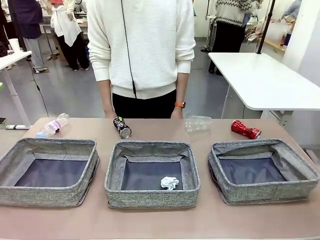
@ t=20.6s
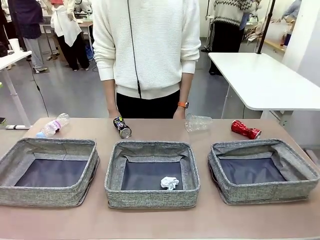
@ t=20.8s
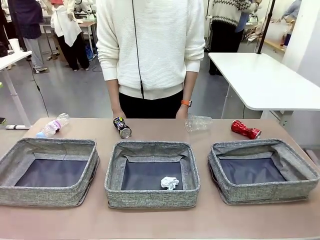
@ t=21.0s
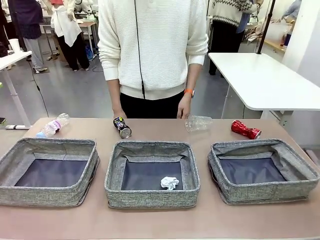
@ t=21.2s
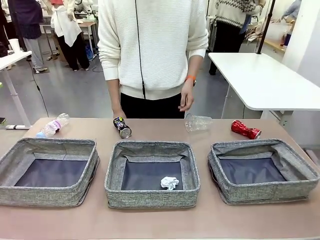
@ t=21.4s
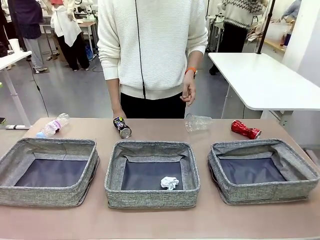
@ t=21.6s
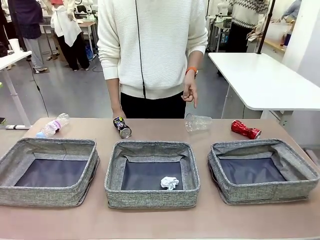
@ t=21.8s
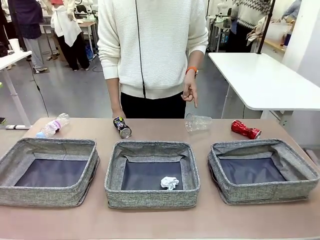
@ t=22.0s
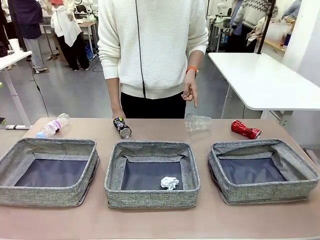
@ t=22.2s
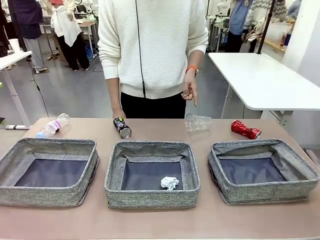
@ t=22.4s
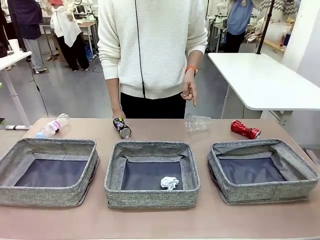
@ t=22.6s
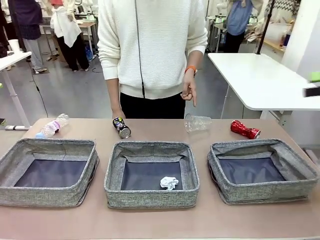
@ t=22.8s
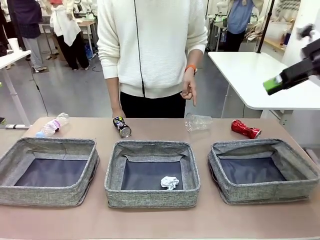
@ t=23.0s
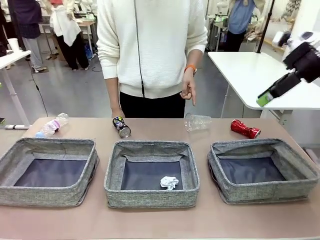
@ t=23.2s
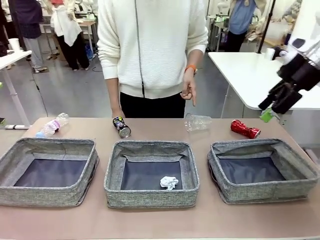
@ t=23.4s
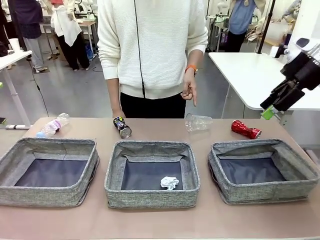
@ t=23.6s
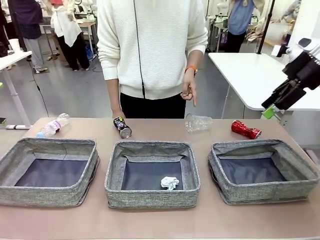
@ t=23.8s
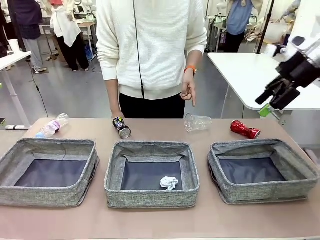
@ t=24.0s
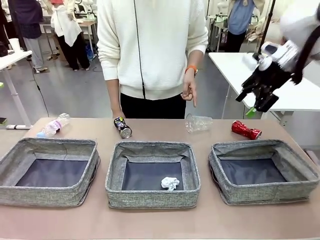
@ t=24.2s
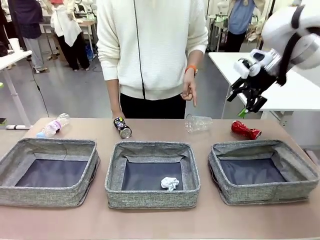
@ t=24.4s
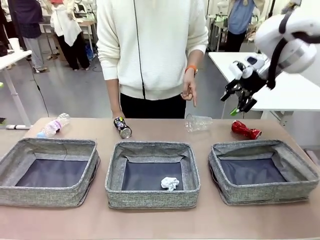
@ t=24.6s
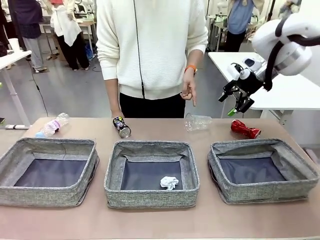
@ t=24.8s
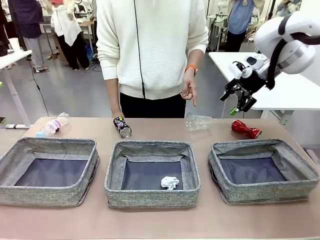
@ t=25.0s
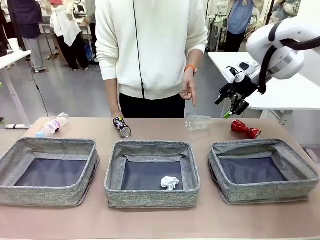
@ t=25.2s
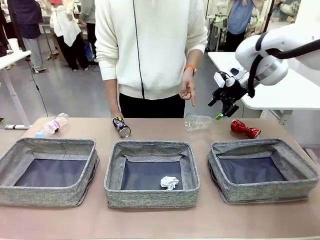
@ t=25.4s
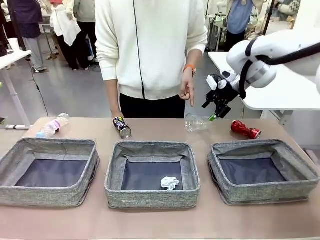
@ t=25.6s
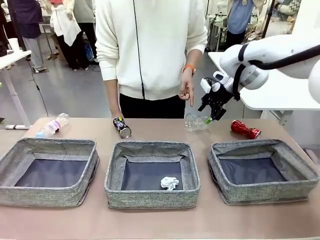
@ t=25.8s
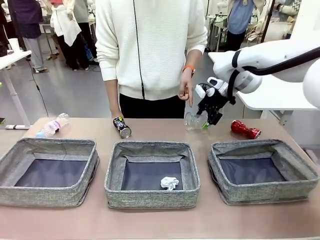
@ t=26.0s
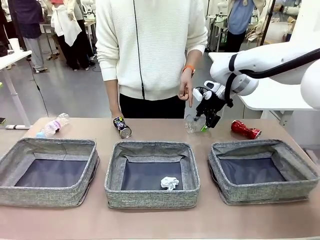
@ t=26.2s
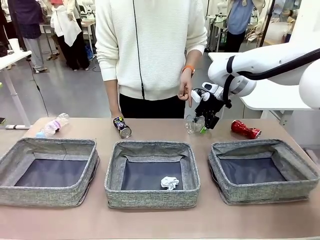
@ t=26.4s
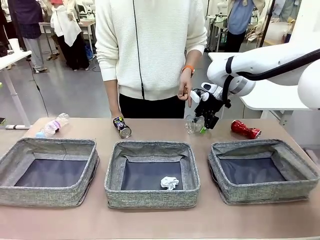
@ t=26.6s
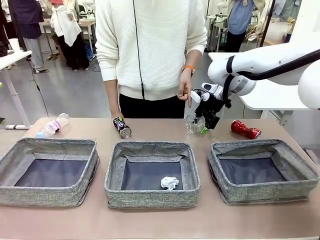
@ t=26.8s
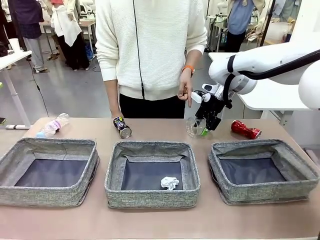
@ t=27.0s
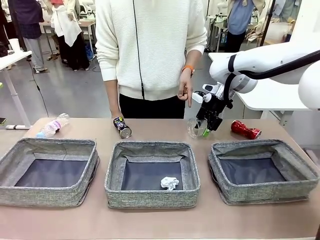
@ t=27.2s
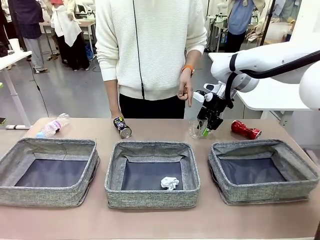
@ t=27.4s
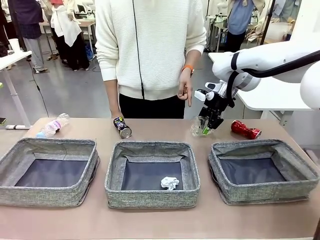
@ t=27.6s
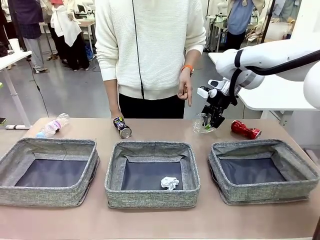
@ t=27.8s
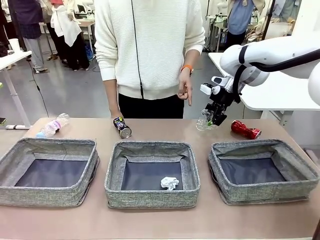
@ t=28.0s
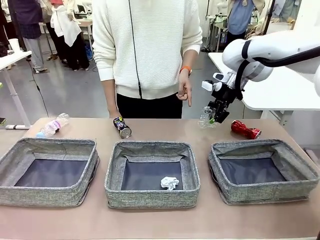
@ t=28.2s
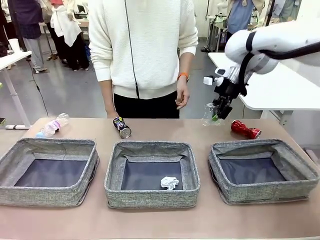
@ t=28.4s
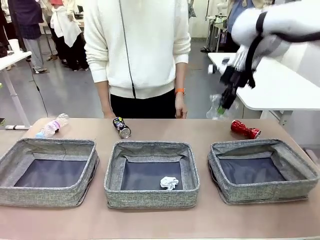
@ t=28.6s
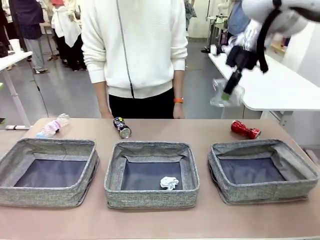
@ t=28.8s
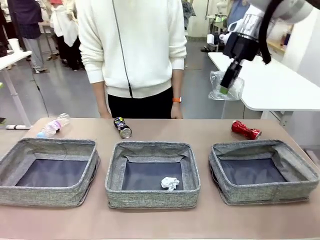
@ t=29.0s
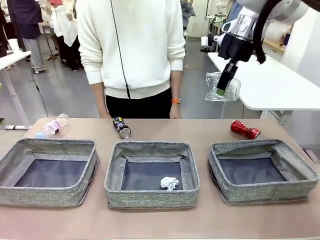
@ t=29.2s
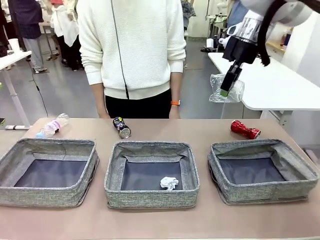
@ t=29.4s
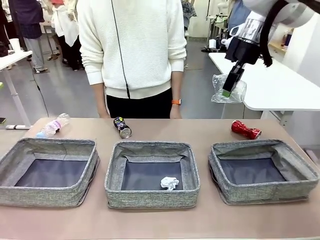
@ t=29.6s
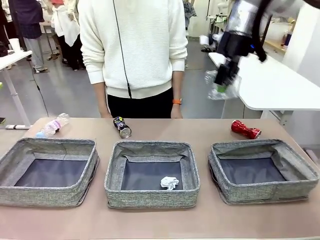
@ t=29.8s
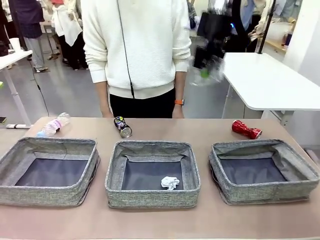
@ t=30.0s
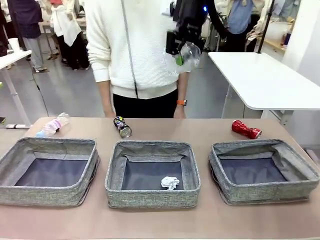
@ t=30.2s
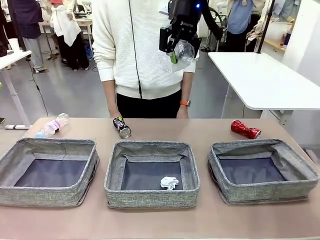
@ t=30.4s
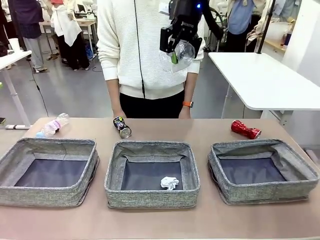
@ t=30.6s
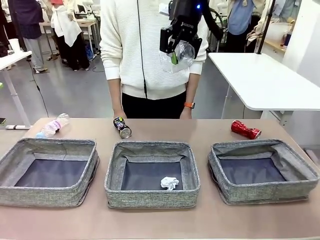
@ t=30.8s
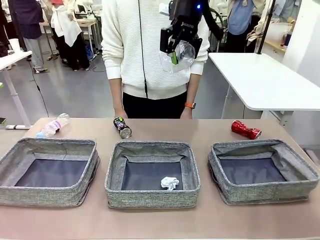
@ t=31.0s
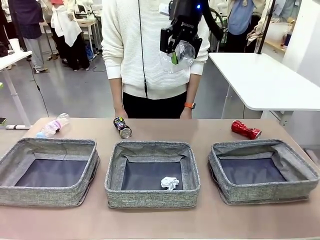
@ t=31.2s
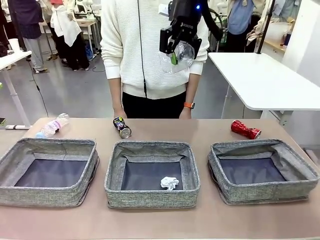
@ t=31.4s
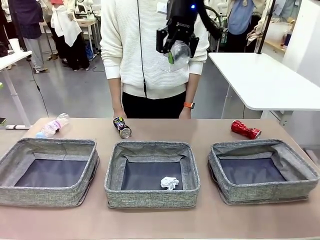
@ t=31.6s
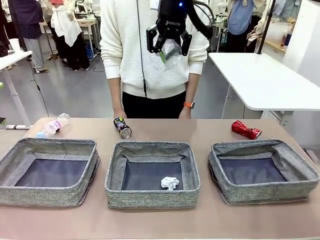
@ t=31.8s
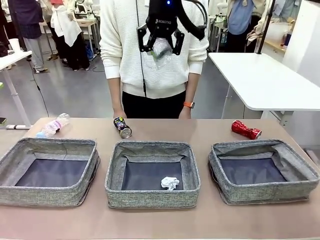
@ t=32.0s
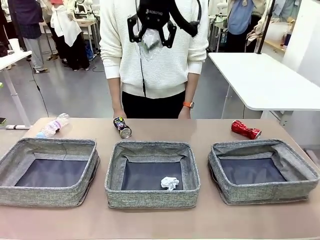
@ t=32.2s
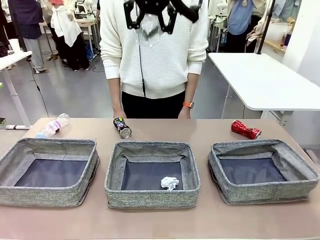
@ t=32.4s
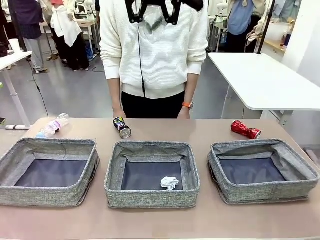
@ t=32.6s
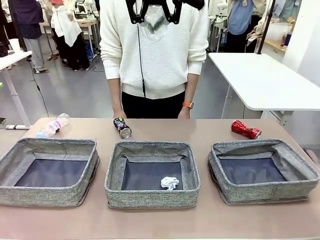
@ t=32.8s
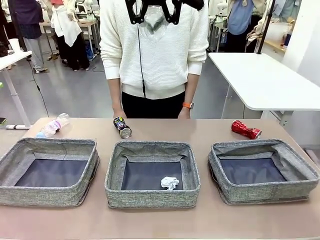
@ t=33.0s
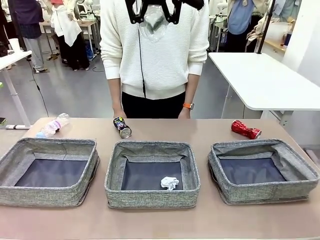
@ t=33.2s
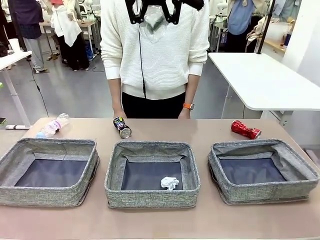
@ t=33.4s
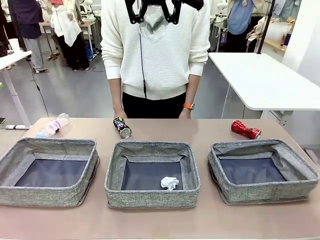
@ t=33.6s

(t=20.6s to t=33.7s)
Task: Sort the waste into the appropriate baskets.
Robot: Pick up the waste item pointed out by the person.
Person: Points to one piece of trash on the table.

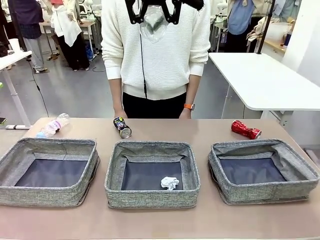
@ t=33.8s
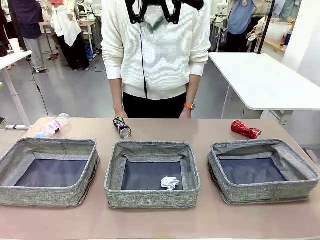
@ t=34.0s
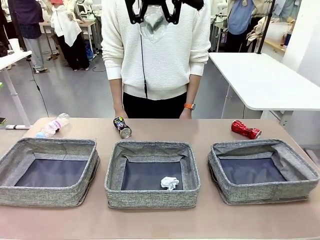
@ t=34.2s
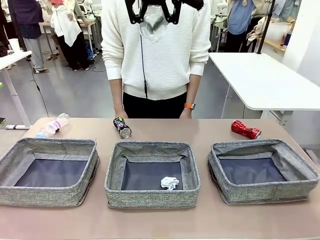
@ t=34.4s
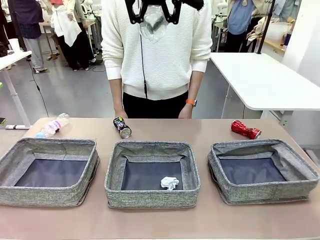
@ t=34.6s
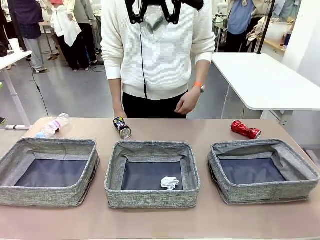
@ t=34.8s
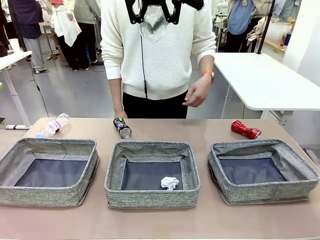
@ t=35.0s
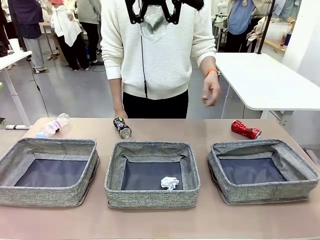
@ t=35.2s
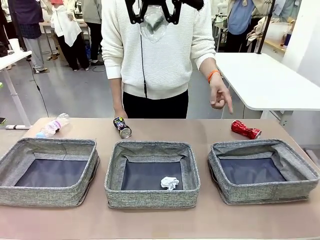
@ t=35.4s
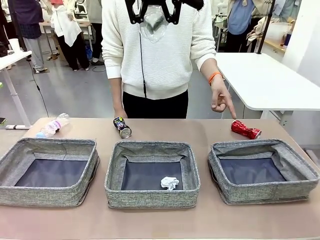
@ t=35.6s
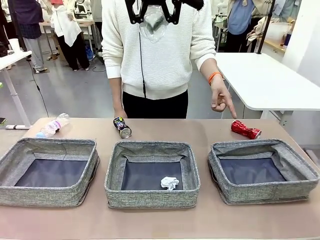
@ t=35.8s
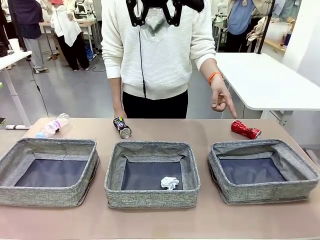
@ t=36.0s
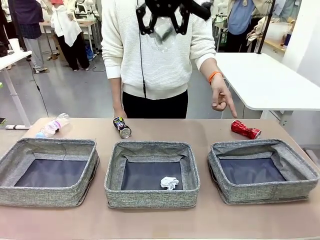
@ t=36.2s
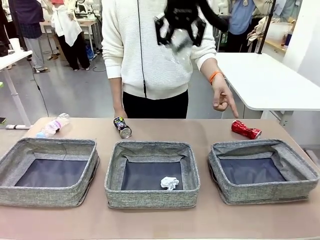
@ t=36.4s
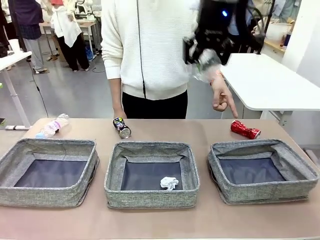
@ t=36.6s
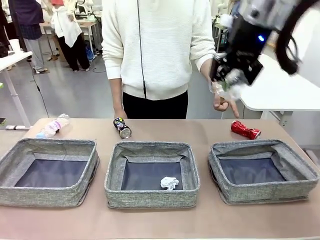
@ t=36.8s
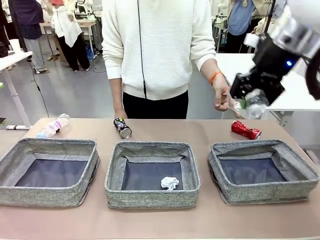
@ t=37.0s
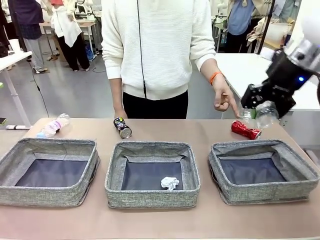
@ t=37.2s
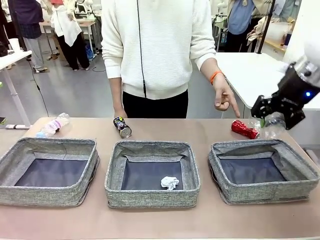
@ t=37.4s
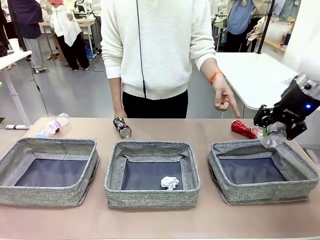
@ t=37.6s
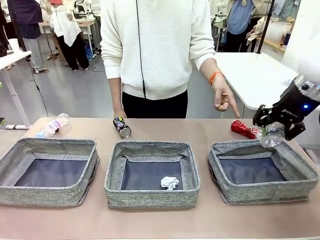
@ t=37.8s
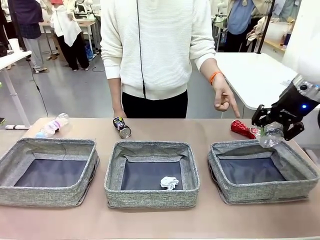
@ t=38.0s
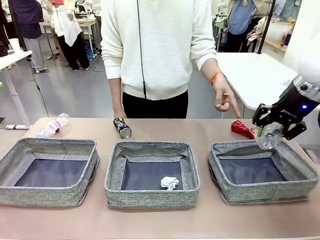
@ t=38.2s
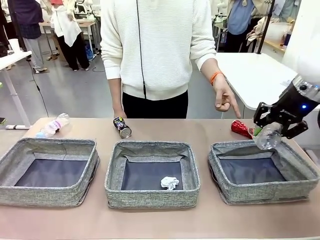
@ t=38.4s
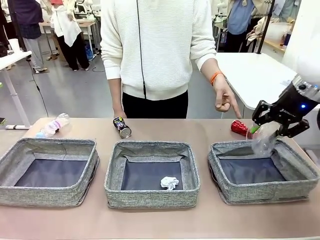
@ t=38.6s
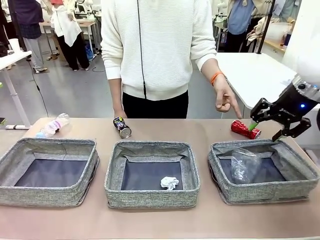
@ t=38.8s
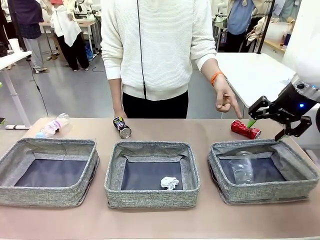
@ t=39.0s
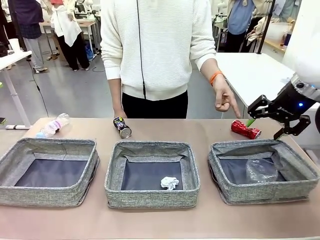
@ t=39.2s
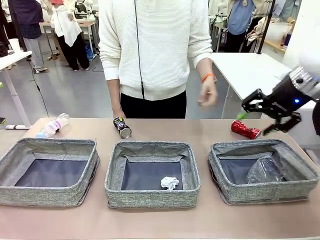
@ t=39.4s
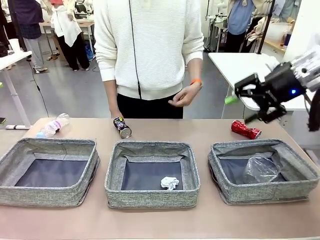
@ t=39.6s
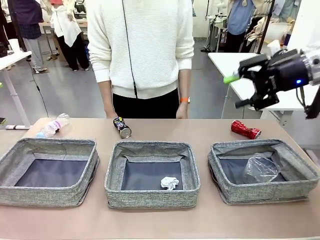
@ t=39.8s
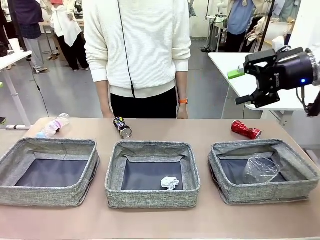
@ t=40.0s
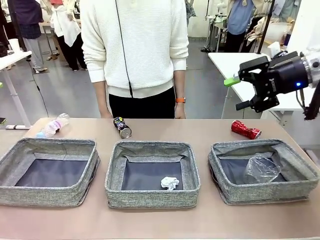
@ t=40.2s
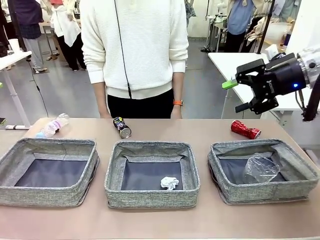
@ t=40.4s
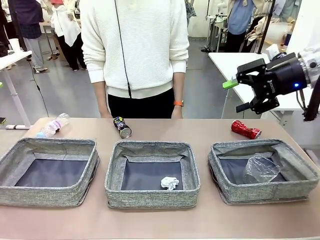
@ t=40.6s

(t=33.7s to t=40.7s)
Robot: Place the picked waste into the Fabric basket indicated by the person.
Person: Instructs the robot to place the picked-up trash into the appropriate organizing basket.
